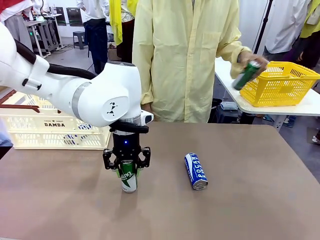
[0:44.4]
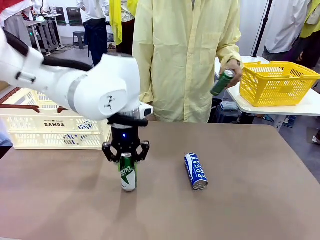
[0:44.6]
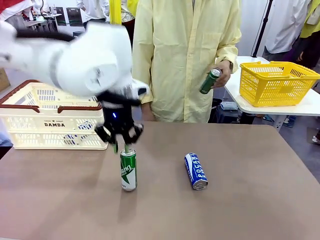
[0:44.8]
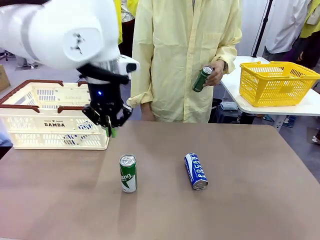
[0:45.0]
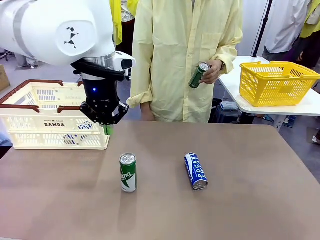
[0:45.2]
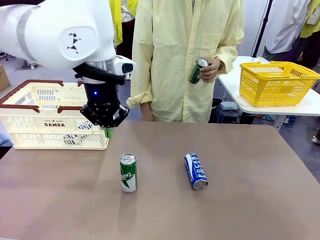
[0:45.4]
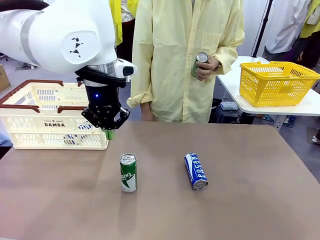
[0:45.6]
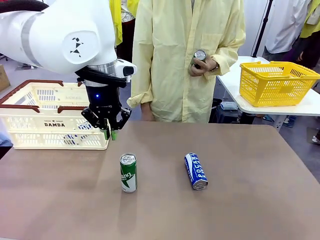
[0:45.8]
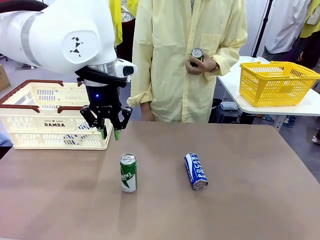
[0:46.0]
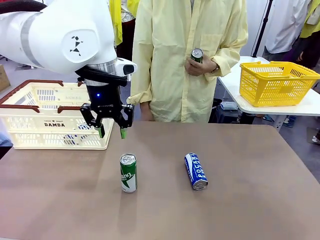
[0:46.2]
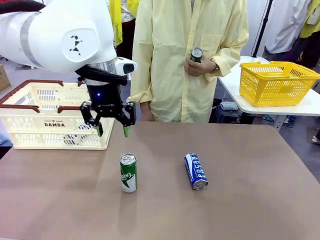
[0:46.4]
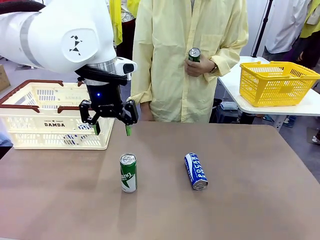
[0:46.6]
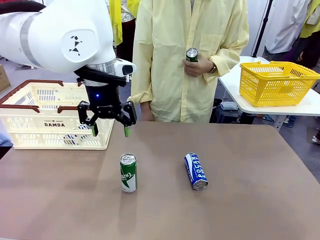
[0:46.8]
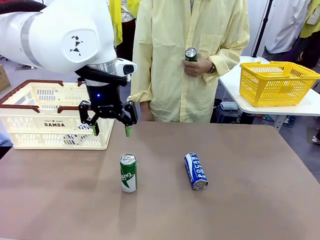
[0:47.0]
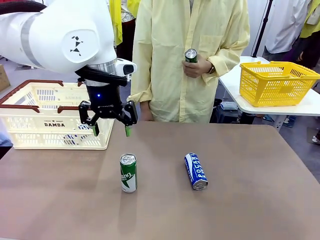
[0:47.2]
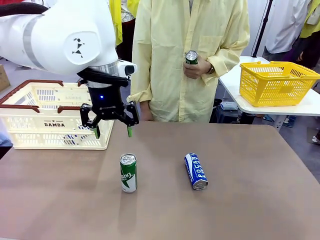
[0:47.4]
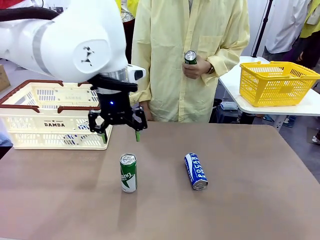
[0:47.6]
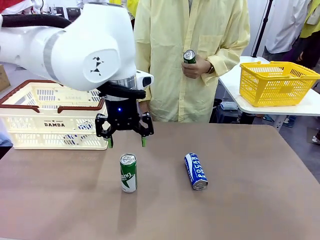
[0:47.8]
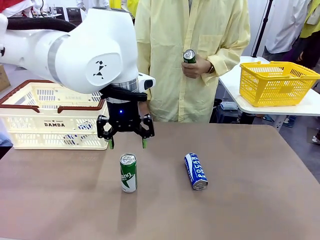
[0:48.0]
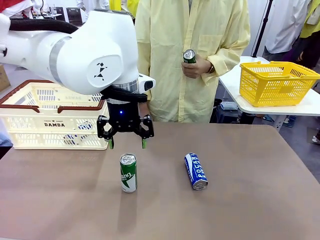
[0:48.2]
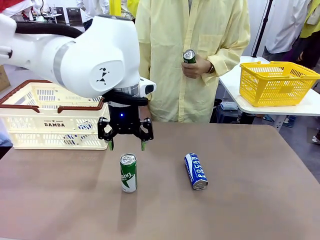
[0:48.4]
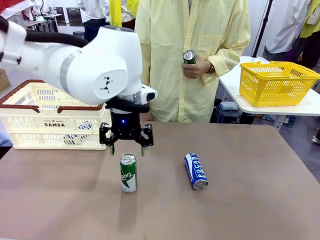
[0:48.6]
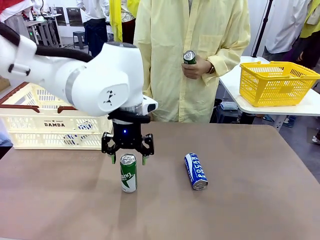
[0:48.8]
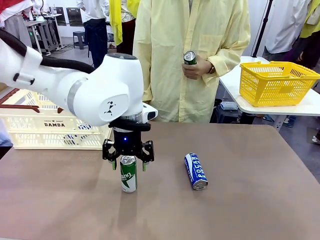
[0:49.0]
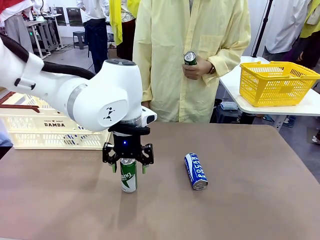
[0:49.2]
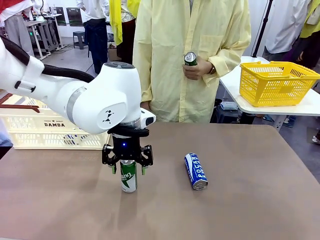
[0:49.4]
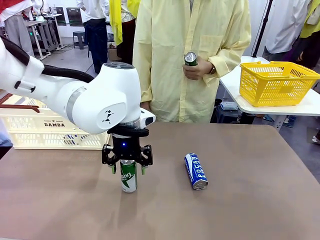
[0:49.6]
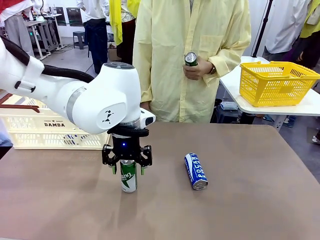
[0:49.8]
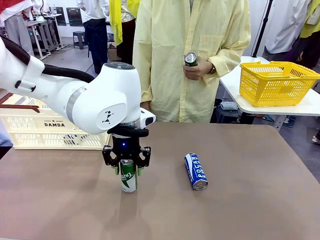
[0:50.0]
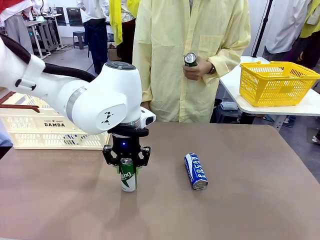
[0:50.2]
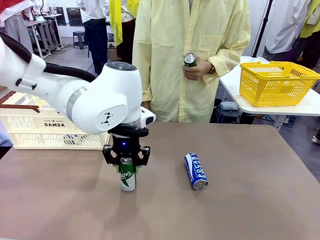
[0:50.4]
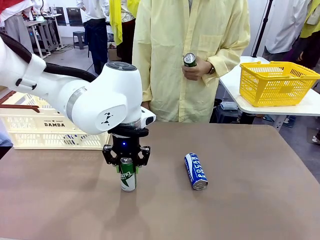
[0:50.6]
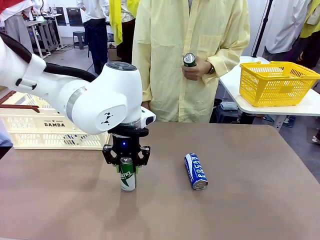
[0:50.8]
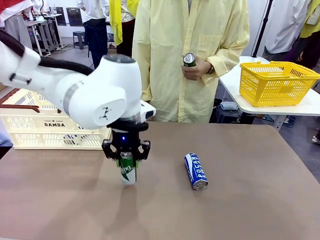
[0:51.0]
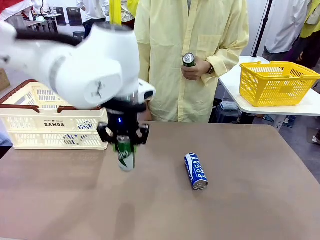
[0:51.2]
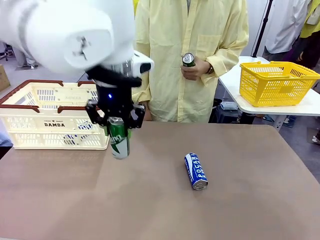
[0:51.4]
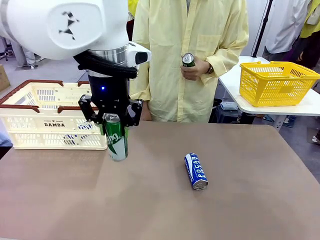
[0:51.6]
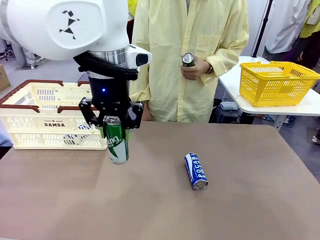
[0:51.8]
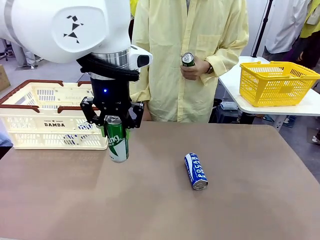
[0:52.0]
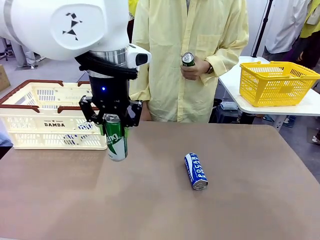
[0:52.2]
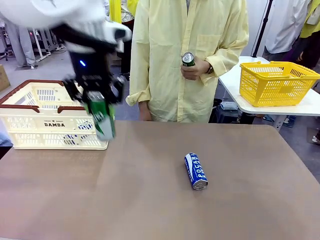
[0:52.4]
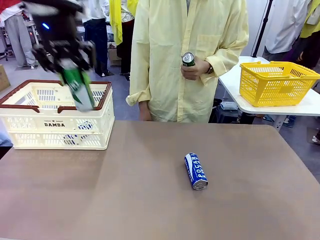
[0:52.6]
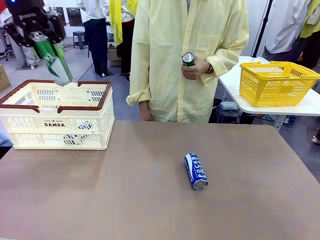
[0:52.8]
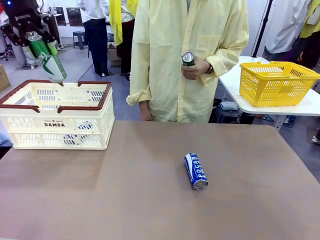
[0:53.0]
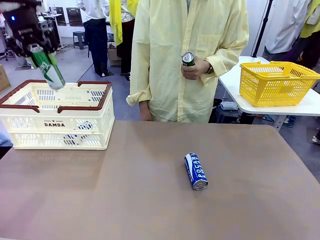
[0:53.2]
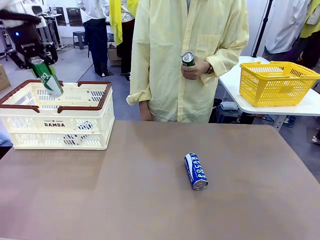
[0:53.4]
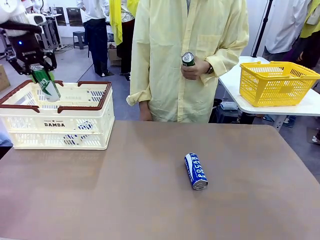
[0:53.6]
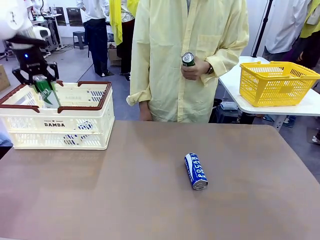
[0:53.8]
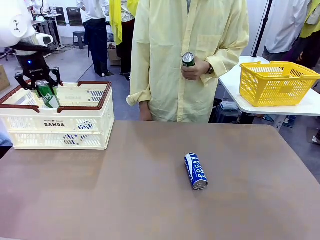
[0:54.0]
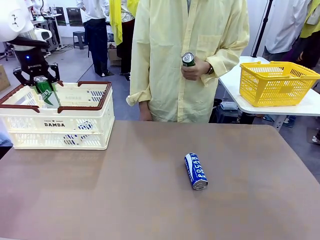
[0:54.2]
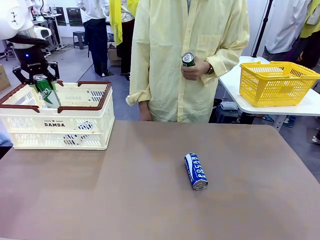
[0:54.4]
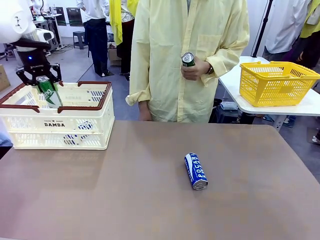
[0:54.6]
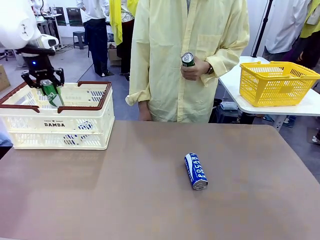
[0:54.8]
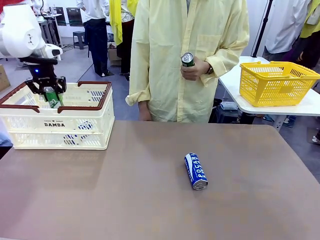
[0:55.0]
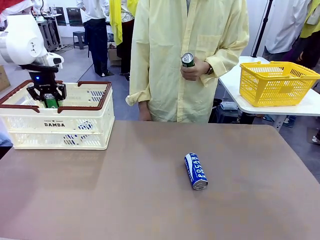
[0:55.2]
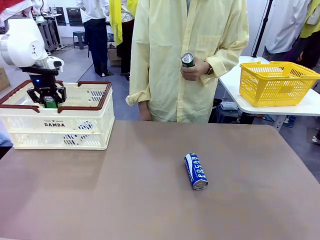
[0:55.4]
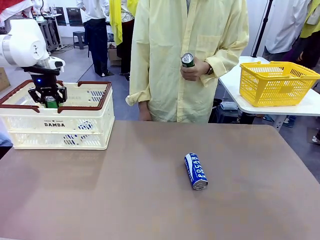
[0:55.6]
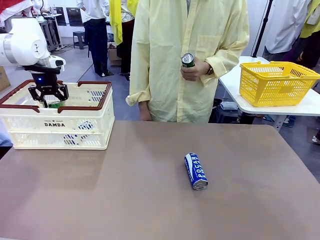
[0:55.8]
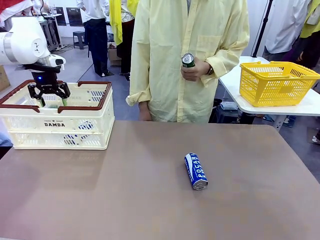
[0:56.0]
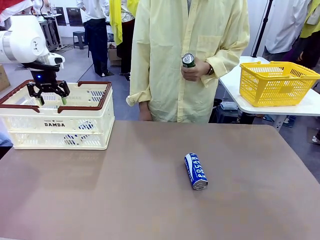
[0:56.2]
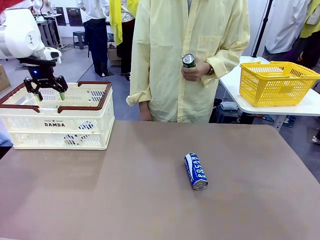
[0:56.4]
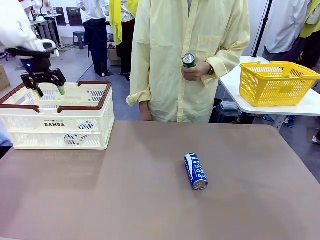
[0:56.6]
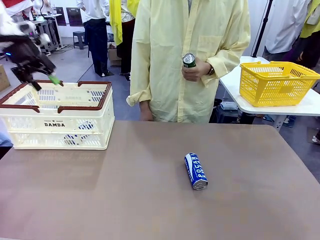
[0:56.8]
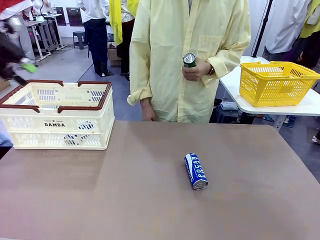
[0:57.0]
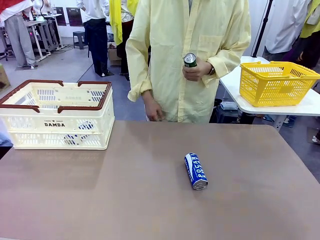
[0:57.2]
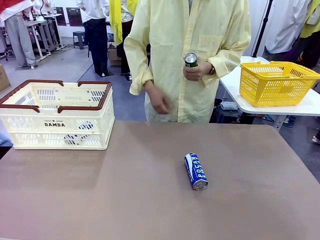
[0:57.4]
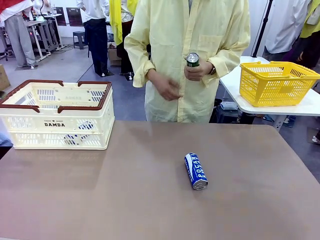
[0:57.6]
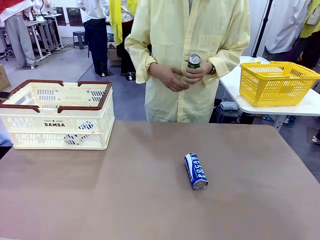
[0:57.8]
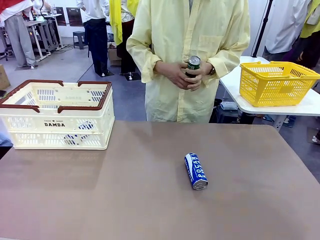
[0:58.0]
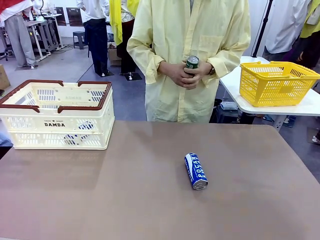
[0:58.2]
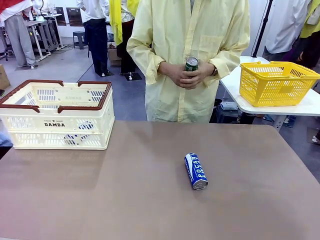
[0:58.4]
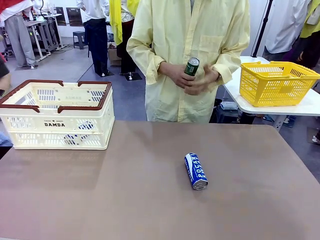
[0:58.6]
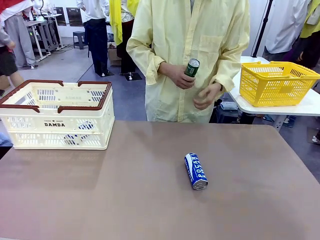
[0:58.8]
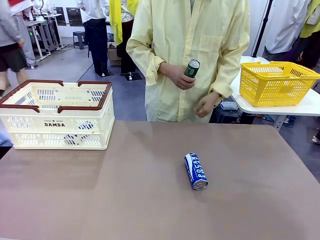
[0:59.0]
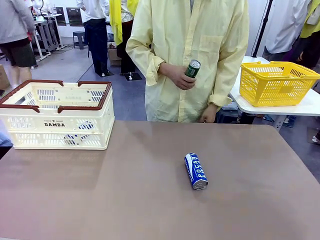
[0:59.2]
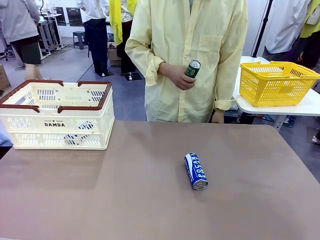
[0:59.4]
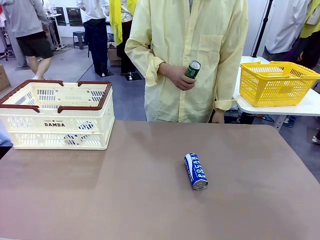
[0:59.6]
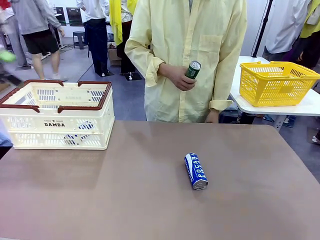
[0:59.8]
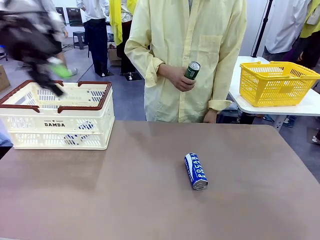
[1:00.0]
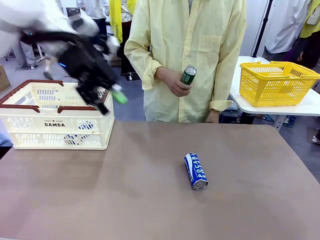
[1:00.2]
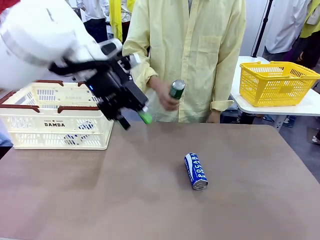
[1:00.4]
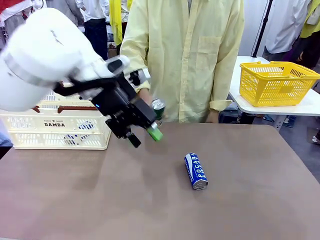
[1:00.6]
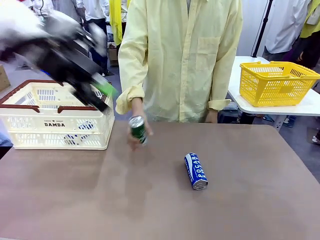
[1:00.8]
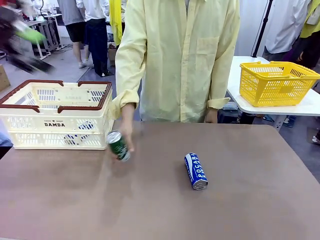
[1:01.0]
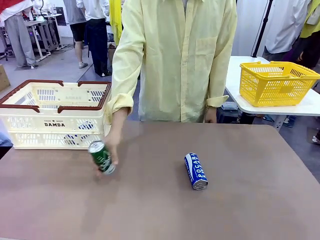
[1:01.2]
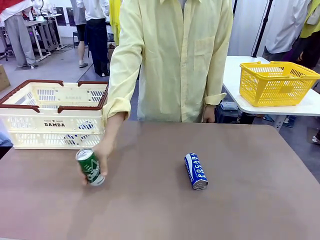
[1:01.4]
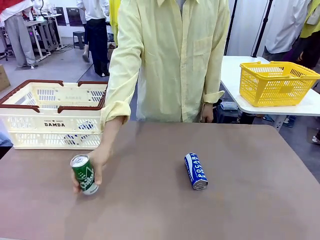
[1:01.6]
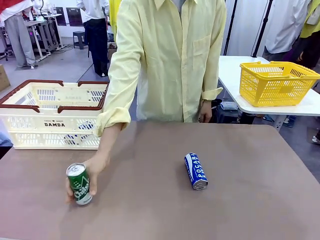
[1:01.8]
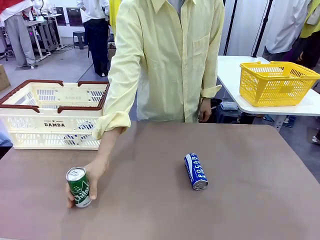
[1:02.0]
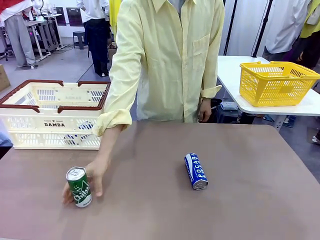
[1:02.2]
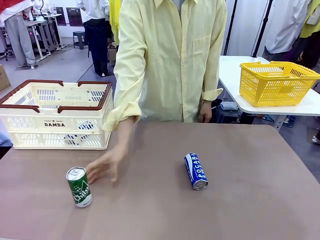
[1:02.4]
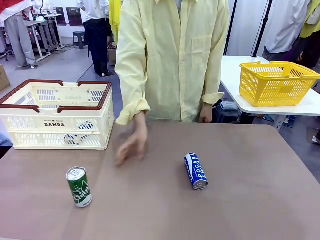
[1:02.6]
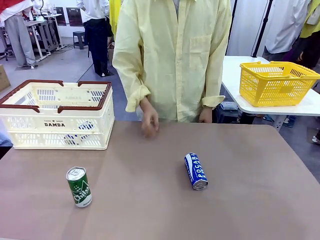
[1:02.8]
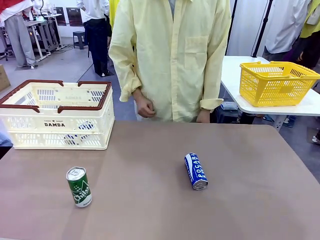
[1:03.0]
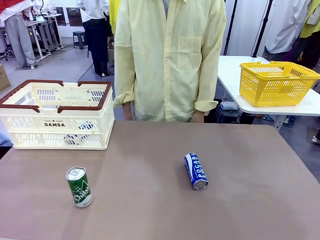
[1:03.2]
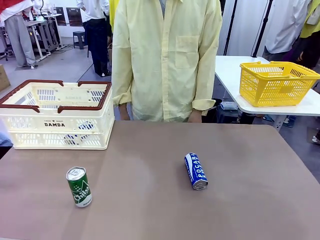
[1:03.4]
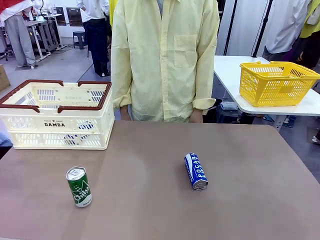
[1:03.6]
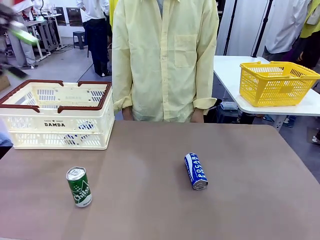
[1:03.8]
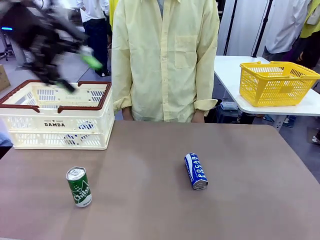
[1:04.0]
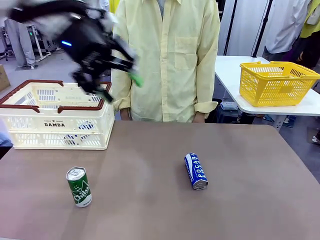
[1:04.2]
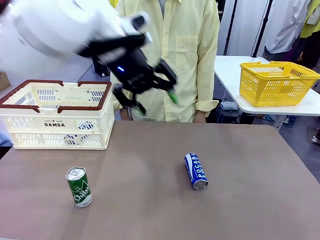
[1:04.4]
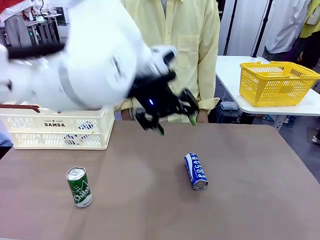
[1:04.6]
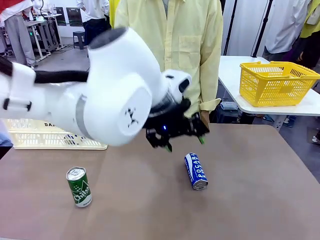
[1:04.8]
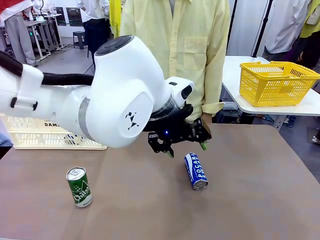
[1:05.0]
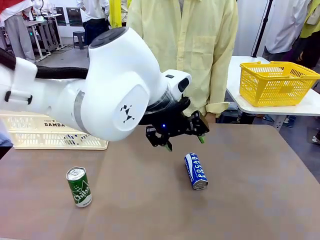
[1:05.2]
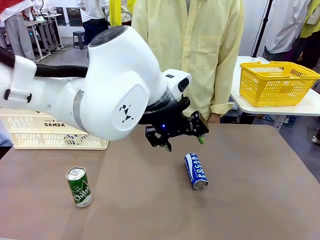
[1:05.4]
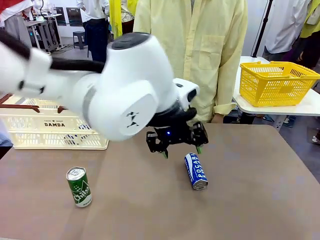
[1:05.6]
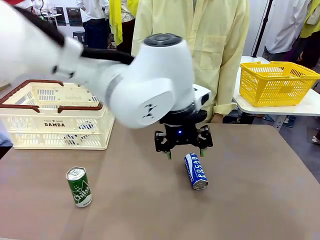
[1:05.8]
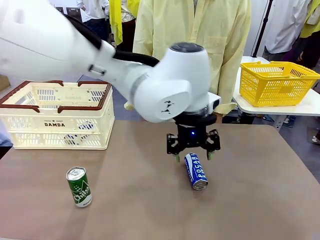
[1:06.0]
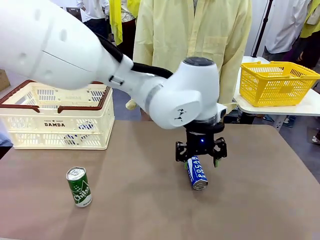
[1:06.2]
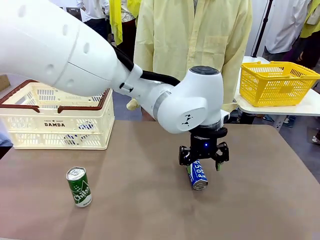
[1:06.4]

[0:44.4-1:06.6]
Task: Place the drinks into the Shopping basket.
Robot: Pick up one drink and place it into the Shopping basket.
